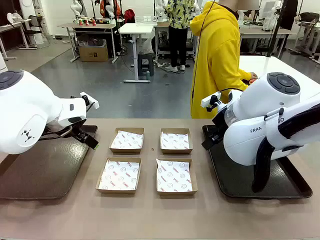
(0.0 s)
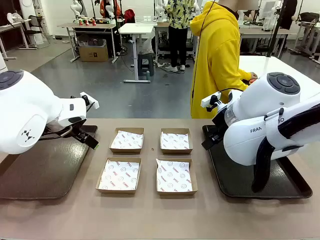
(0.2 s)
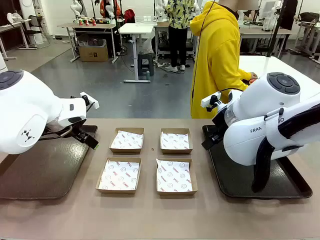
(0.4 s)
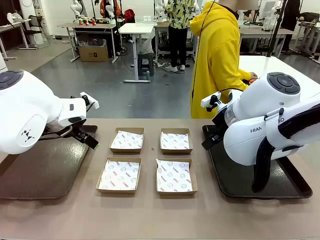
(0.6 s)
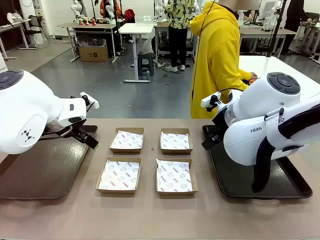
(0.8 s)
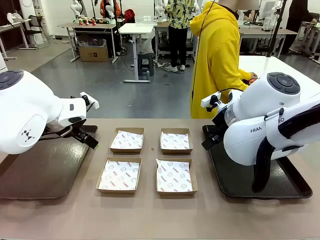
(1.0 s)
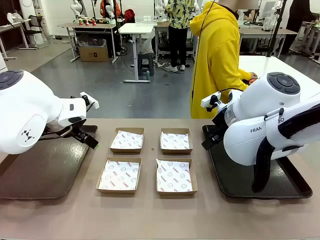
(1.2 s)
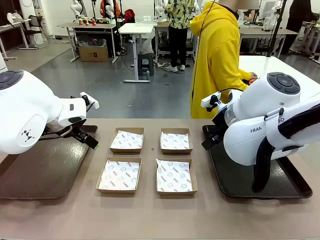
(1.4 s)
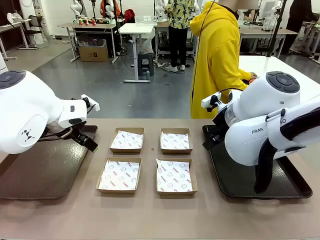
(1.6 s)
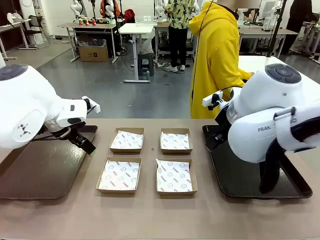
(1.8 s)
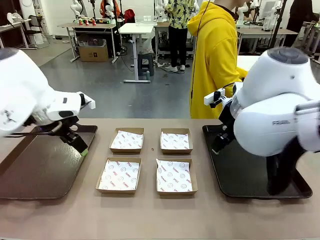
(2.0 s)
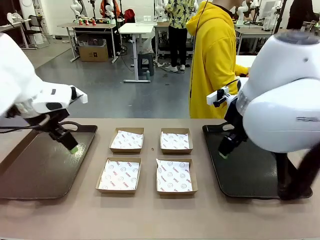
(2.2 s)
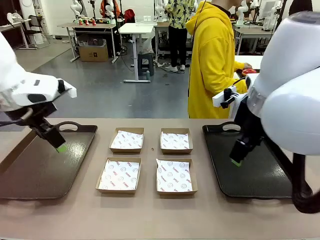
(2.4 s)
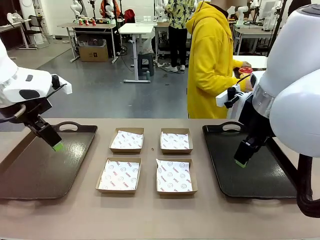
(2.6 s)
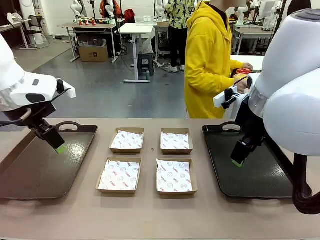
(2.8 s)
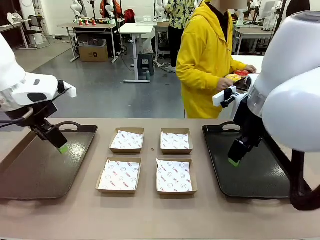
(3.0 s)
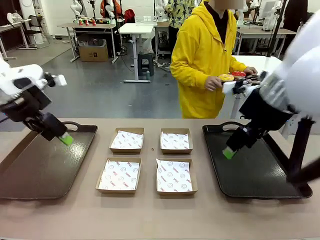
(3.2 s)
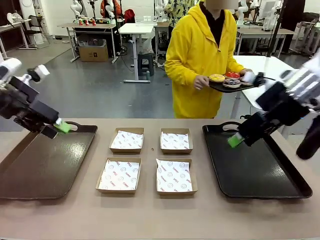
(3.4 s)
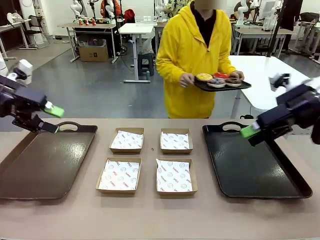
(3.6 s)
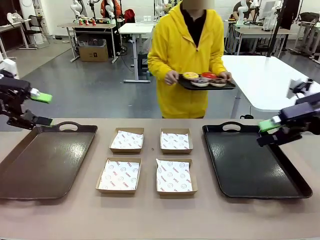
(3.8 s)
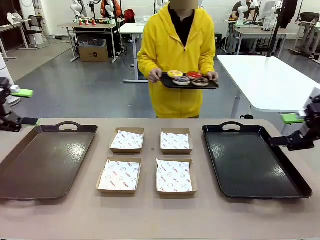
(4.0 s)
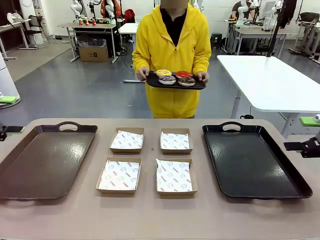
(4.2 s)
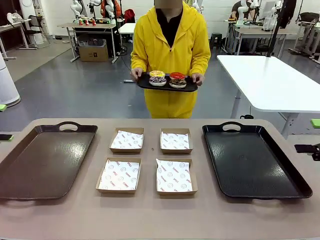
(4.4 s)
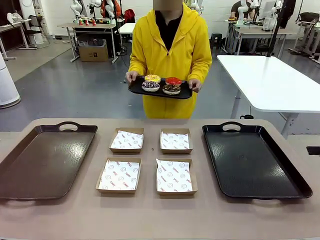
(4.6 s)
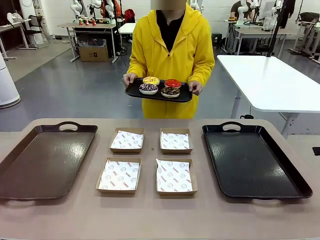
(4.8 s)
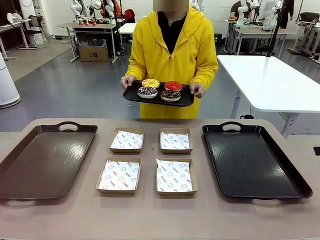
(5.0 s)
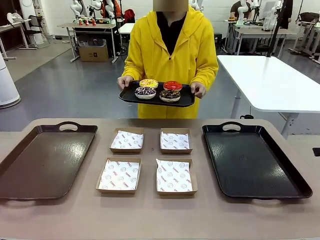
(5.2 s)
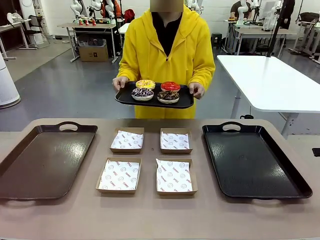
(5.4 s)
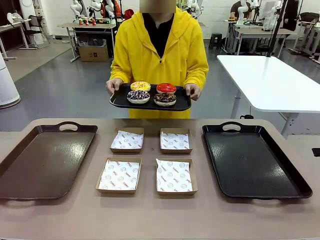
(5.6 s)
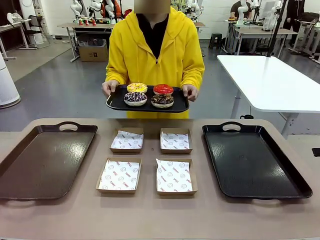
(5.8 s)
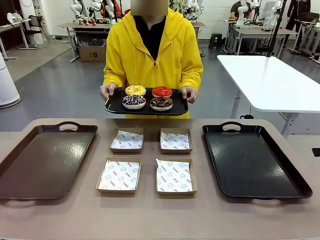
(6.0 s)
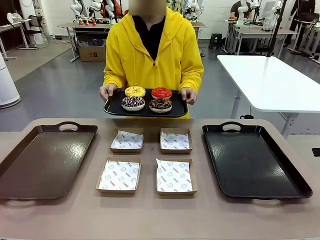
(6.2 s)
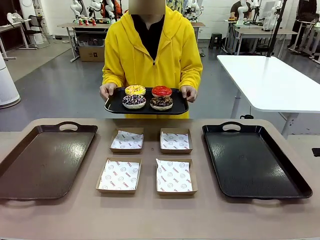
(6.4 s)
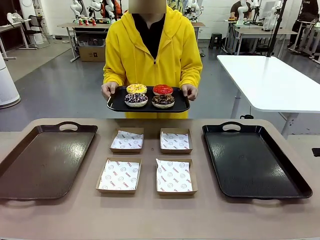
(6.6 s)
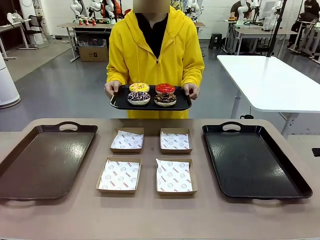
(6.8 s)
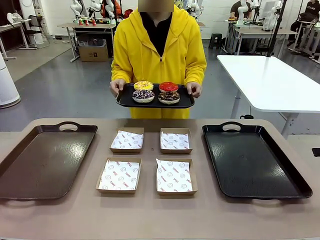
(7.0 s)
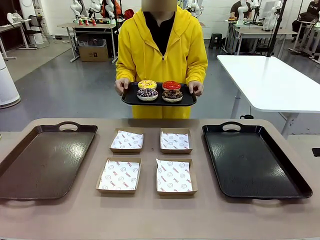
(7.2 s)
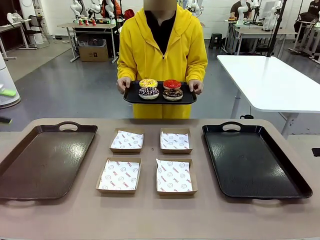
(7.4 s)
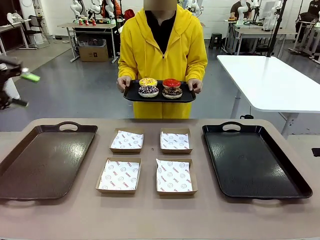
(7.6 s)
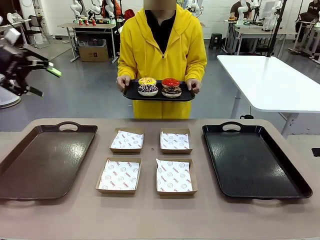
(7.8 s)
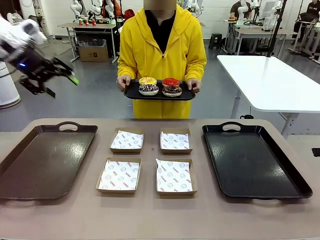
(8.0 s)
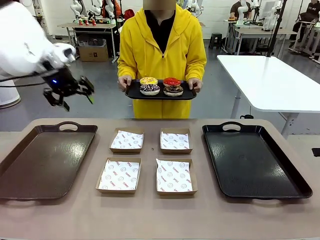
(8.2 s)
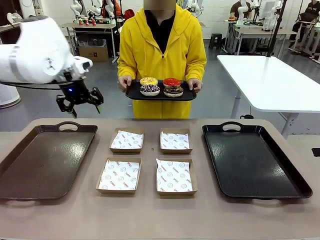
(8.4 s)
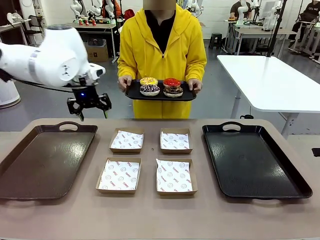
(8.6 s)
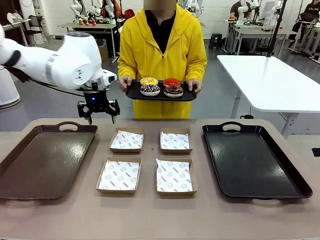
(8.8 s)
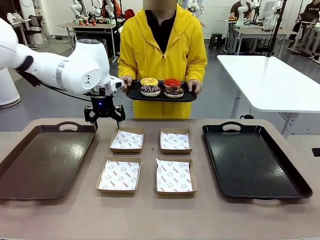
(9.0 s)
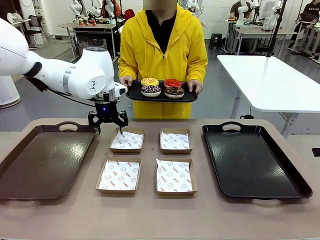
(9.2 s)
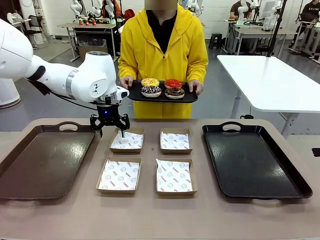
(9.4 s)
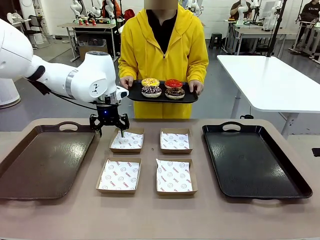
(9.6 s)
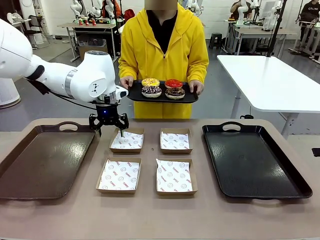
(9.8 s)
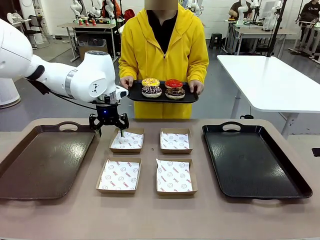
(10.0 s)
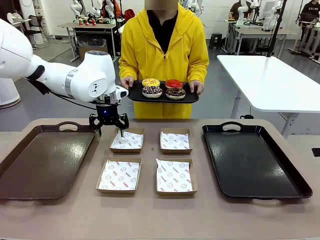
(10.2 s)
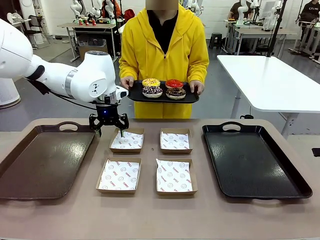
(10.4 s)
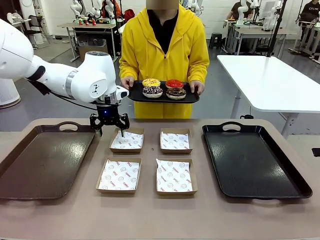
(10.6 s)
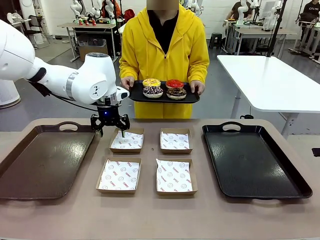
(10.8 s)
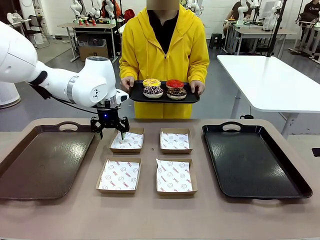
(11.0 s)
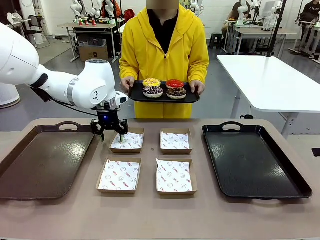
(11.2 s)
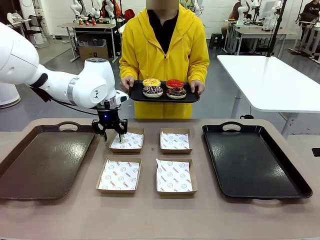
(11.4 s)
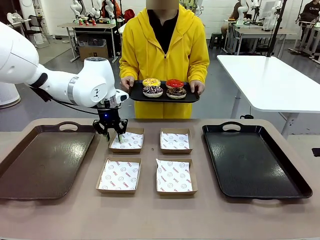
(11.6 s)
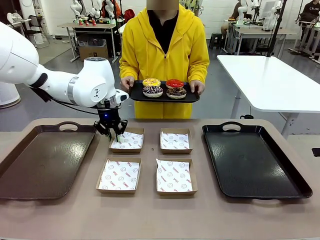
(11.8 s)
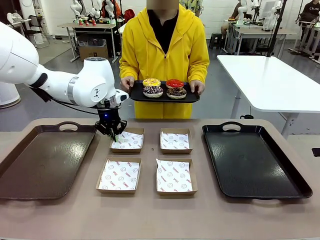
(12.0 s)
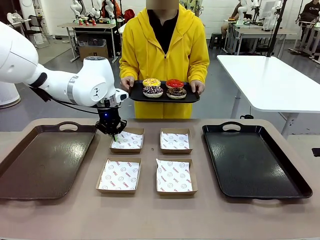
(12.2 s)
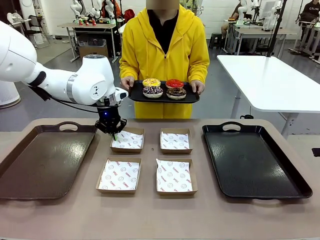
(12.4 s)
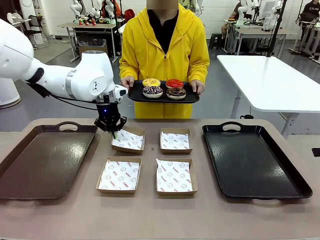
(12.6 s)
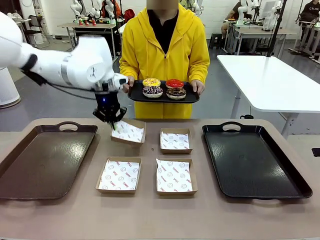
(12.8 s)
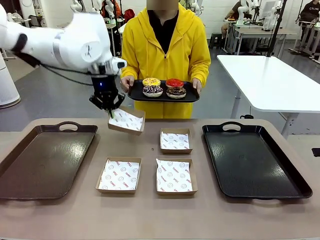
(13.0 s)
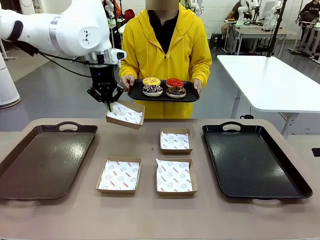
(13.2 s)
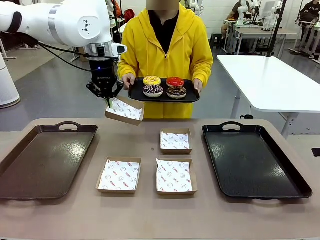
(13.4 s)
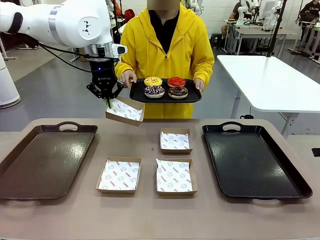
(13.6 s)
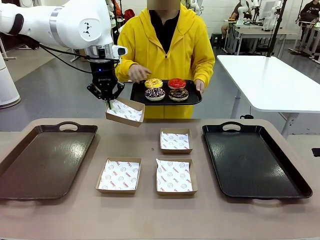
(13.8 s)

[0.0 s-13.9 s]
Task: Individually package the donuts and arrange them on the tray.
Robot: Pick up one Paper togo box.
Person: Stand in front of the robot table holding the tray containing the donuts.

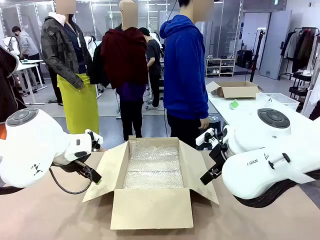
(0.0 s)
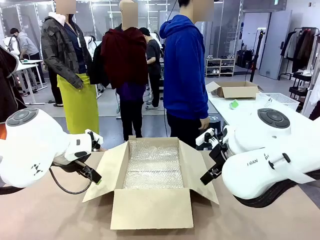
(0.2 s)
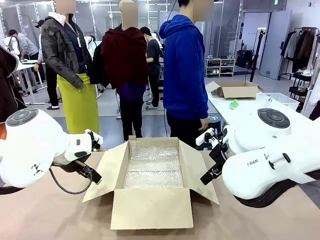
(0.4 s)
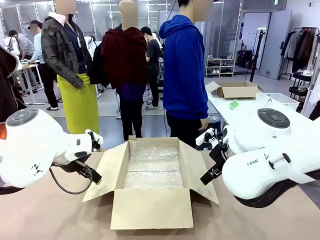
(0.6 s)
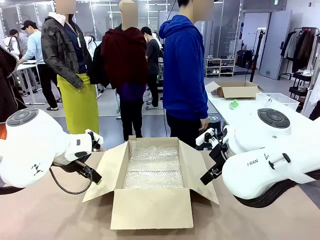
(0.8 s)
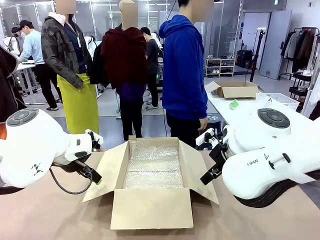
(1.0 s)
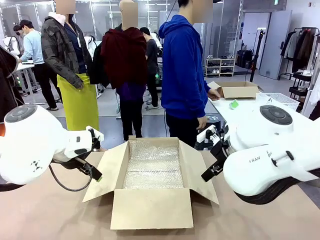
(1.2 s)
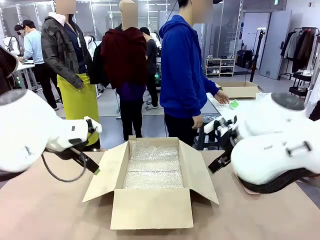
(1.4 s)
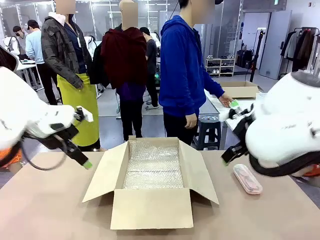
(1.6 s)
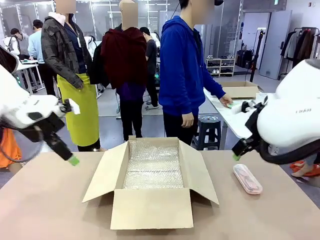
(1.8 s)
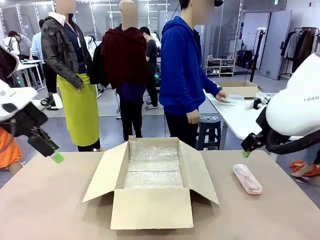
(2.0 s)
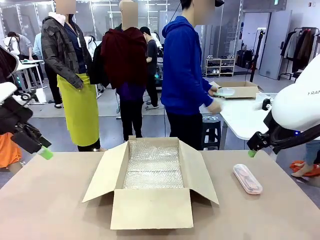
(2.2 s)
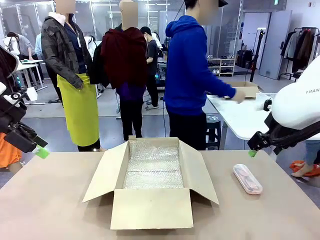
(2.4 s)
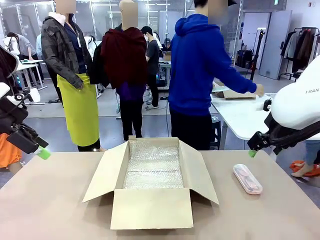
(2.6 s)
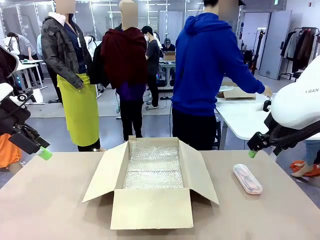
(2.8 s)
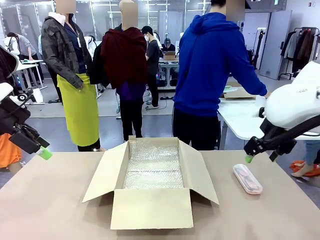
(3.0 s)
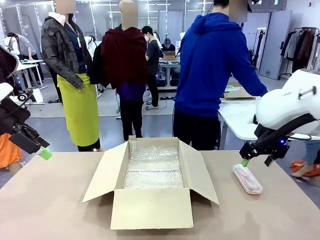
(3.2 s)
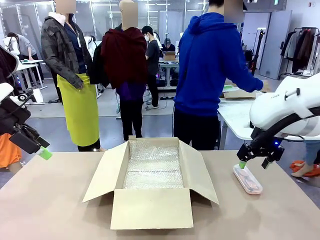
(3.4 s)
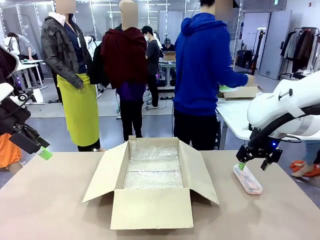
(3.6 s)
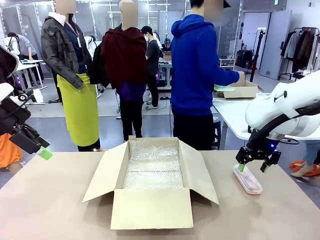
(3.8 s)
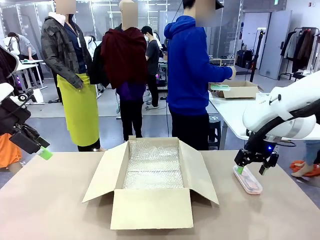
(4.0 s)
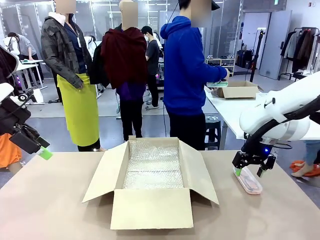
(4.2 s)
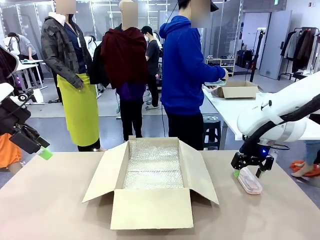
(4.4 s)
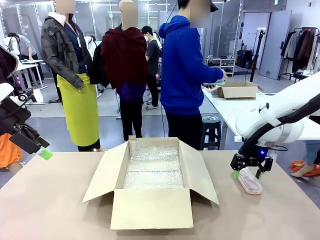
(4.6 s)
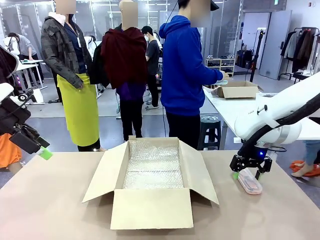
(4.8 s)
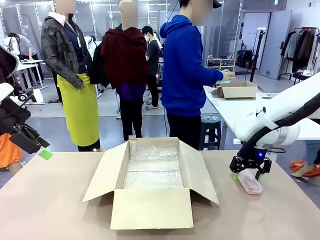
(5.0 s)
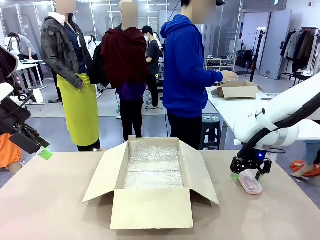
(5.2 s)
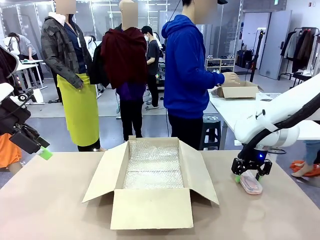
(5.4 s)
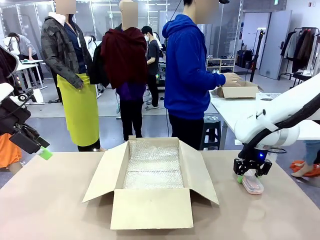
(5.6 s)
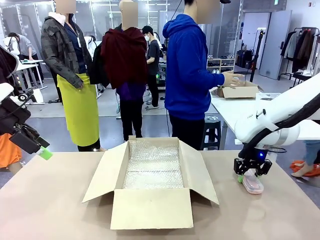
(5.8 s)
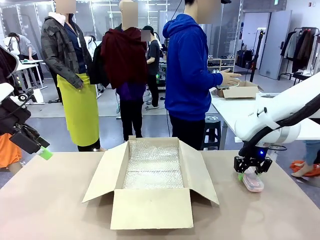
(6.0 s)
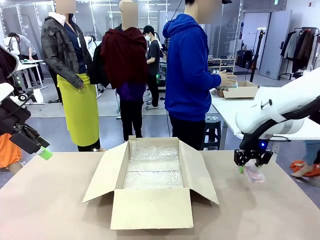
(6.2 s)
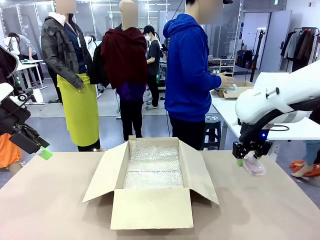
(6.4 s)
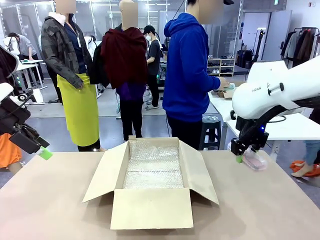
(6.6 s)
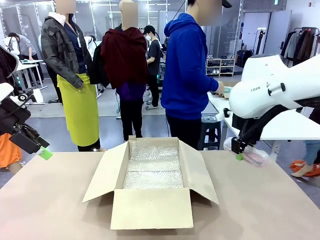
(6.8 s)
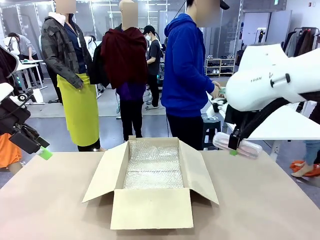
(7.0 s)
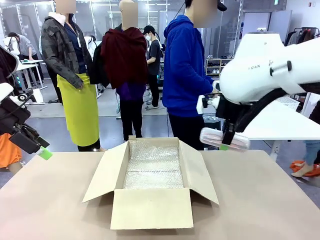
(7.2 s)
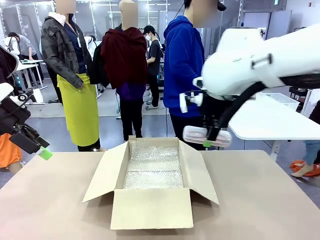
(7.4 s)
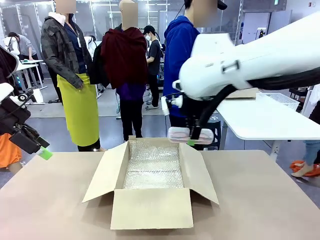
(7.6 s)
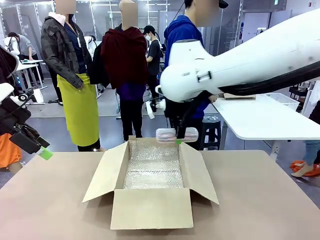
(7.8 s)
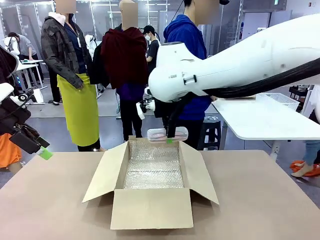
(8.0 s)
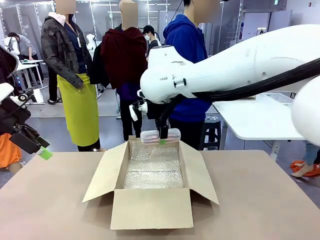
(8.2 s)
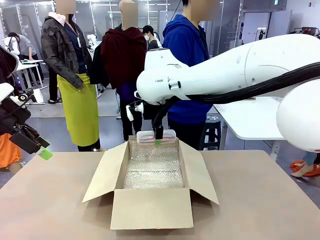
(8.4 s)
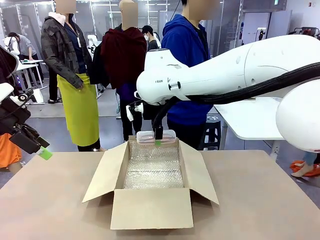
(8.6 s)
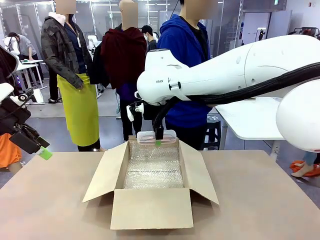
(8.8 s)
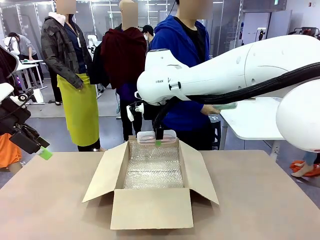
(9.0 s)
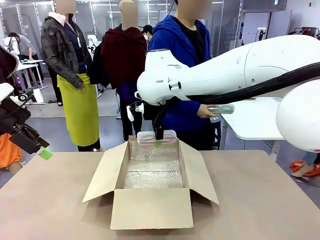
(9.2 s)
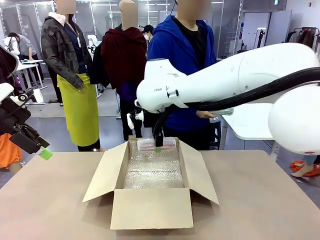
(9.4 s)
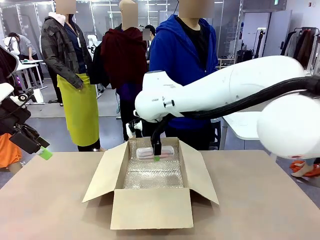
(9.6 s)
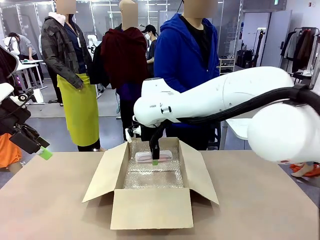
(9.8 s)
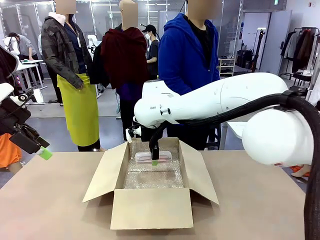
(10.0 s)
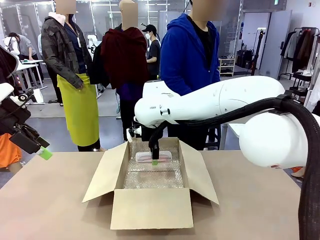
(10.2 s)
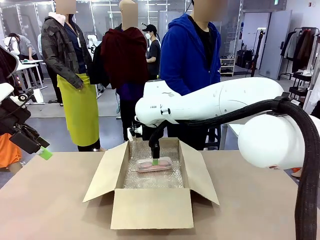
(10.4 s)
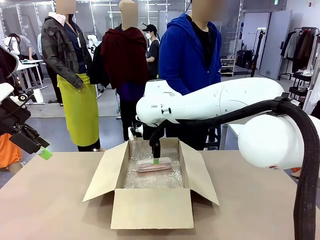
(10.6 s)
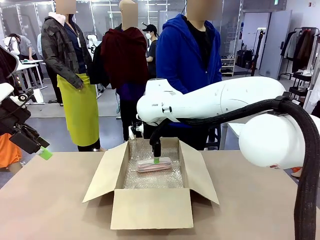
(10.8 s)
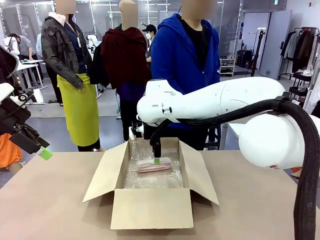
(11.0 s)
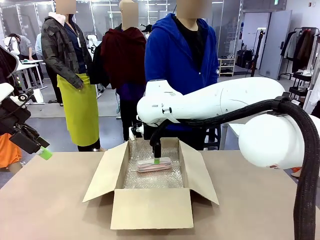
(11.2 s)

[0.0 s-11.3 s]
Task: Pack the glasses set securely to prepare it for shipping.
Robot: Place the Glasses case inside the Package Box.
Person: Place the Glasses inside the Glasses case.
